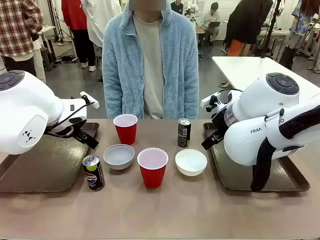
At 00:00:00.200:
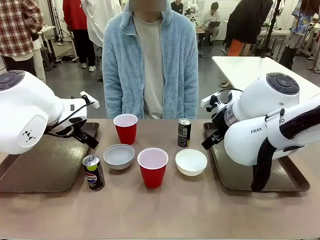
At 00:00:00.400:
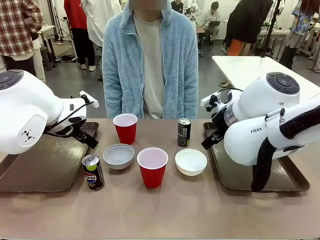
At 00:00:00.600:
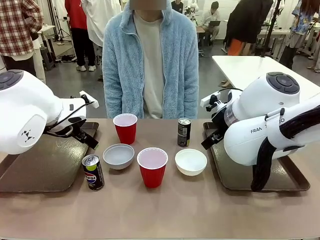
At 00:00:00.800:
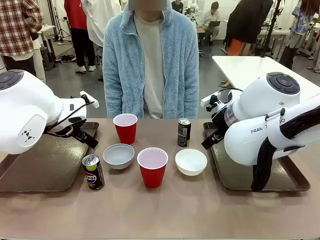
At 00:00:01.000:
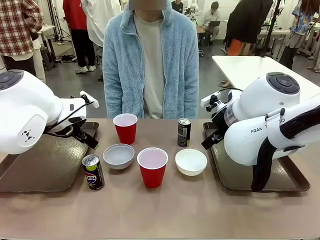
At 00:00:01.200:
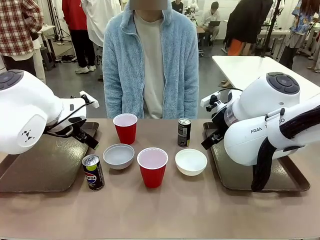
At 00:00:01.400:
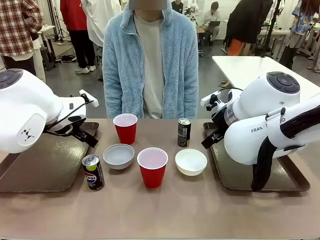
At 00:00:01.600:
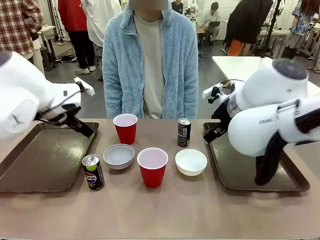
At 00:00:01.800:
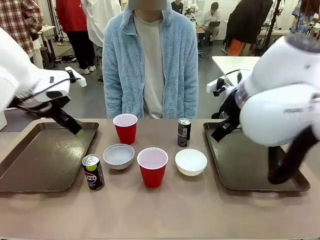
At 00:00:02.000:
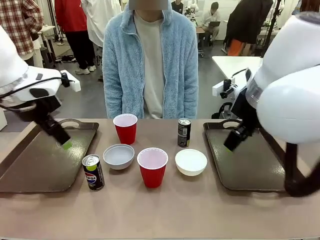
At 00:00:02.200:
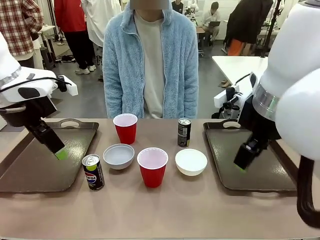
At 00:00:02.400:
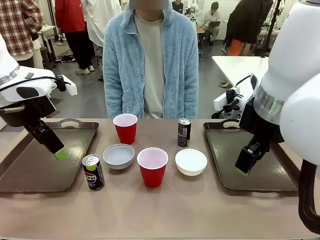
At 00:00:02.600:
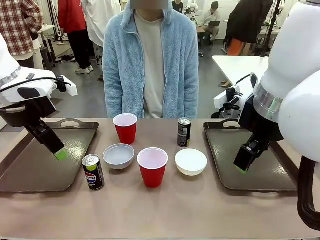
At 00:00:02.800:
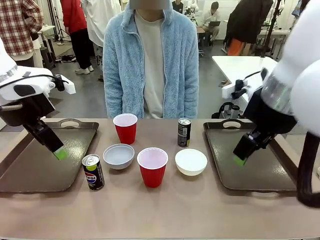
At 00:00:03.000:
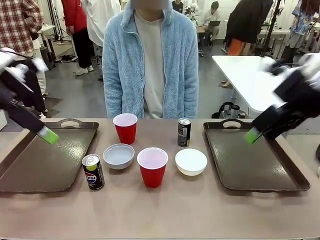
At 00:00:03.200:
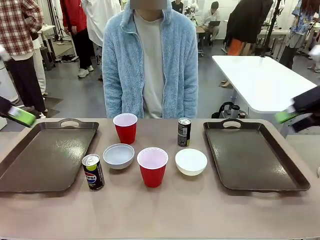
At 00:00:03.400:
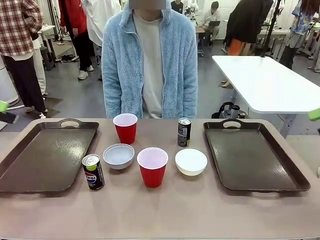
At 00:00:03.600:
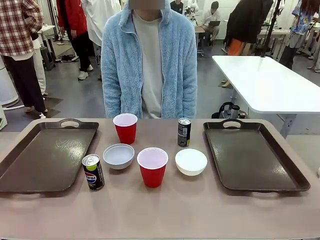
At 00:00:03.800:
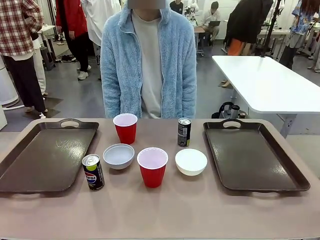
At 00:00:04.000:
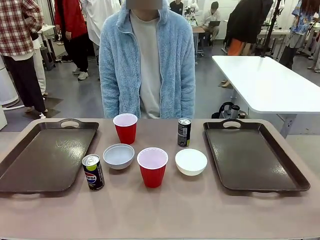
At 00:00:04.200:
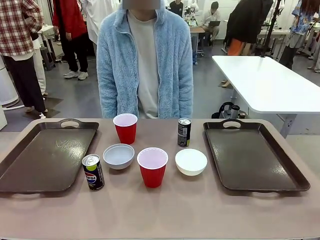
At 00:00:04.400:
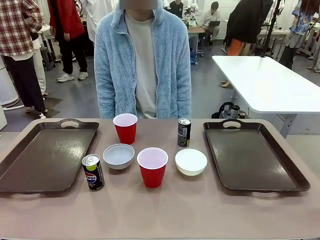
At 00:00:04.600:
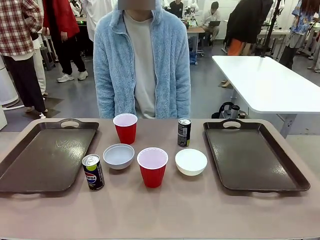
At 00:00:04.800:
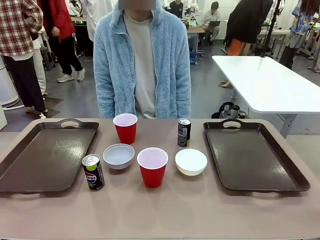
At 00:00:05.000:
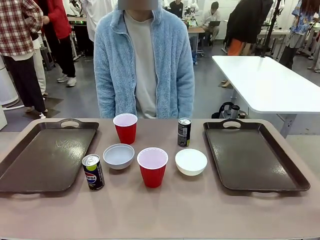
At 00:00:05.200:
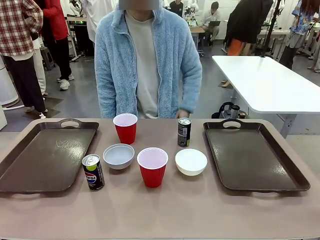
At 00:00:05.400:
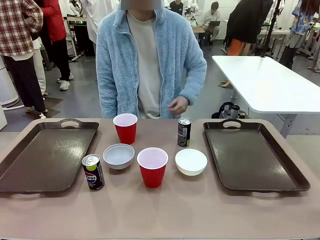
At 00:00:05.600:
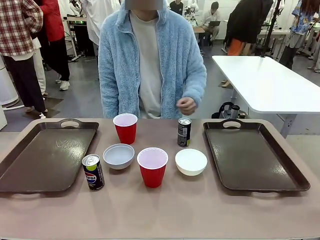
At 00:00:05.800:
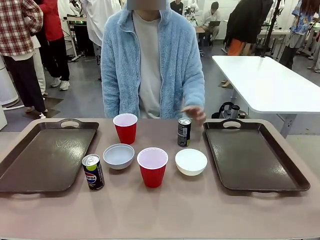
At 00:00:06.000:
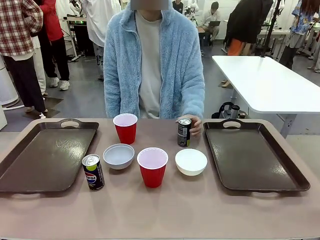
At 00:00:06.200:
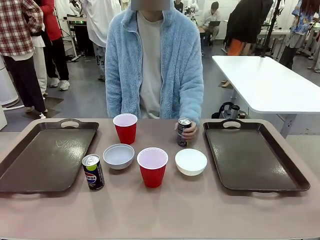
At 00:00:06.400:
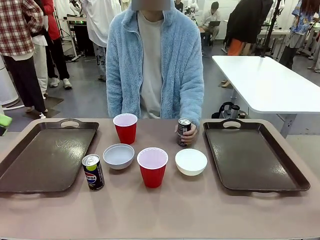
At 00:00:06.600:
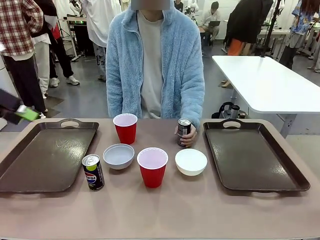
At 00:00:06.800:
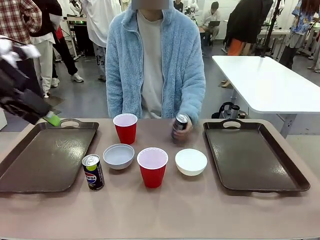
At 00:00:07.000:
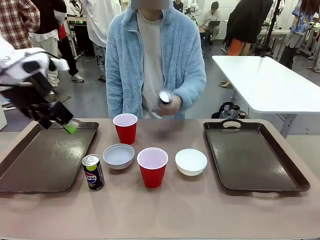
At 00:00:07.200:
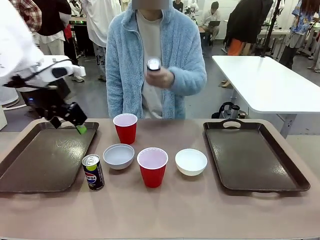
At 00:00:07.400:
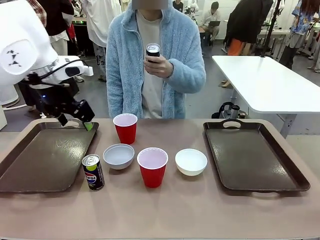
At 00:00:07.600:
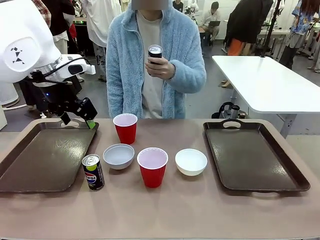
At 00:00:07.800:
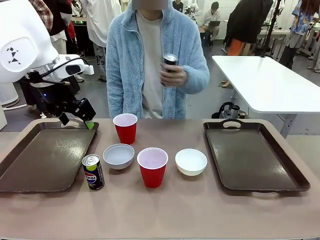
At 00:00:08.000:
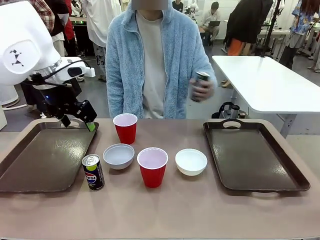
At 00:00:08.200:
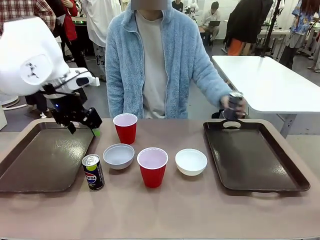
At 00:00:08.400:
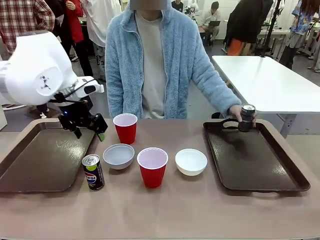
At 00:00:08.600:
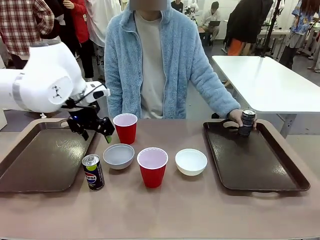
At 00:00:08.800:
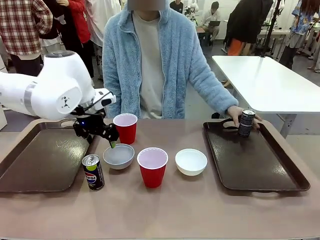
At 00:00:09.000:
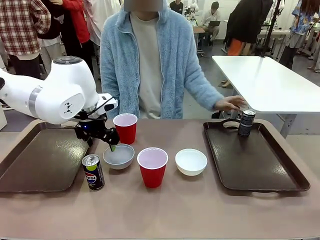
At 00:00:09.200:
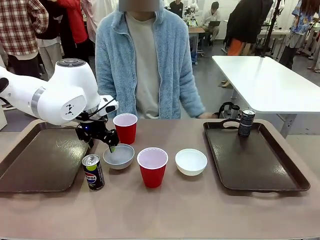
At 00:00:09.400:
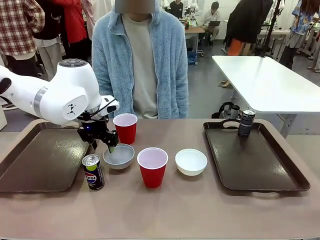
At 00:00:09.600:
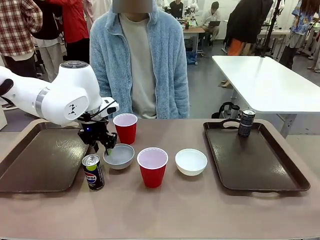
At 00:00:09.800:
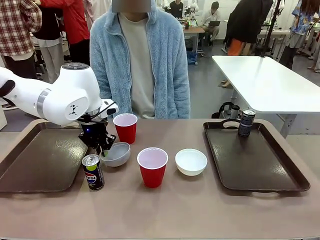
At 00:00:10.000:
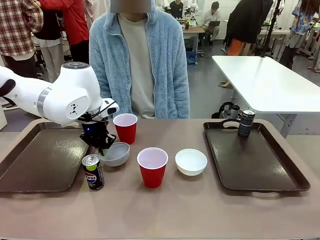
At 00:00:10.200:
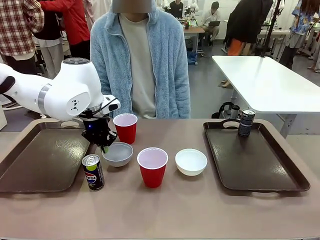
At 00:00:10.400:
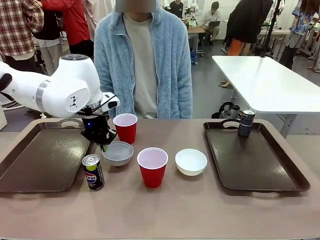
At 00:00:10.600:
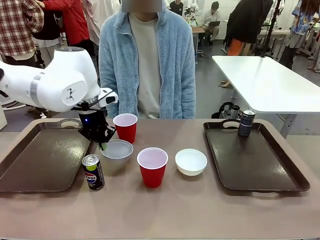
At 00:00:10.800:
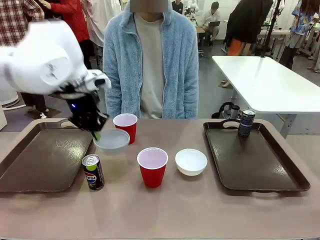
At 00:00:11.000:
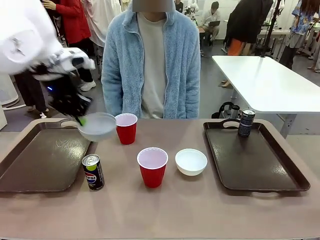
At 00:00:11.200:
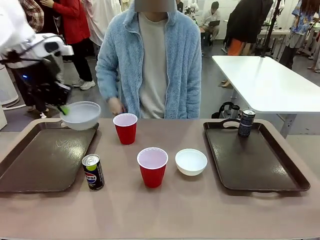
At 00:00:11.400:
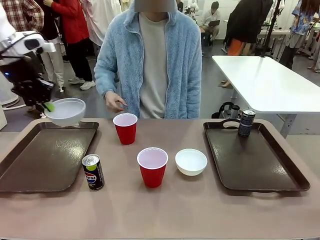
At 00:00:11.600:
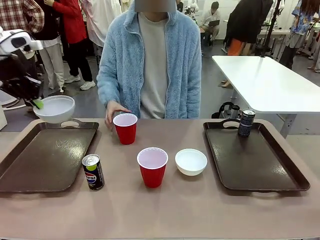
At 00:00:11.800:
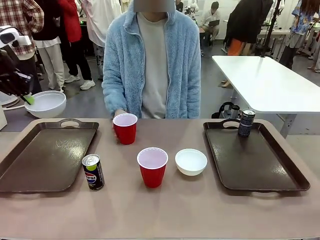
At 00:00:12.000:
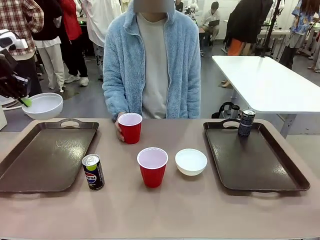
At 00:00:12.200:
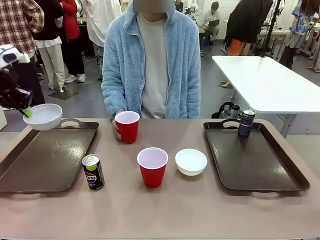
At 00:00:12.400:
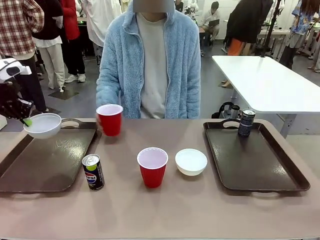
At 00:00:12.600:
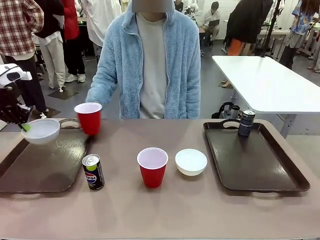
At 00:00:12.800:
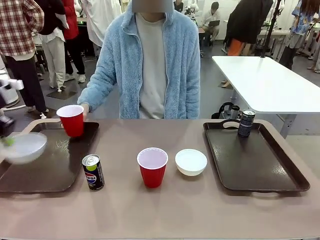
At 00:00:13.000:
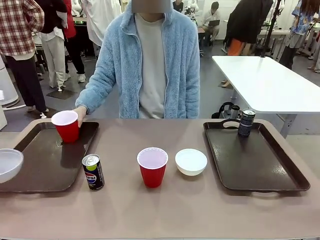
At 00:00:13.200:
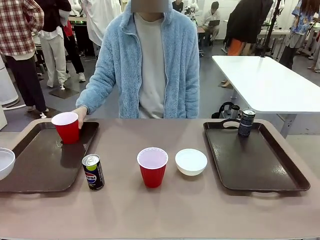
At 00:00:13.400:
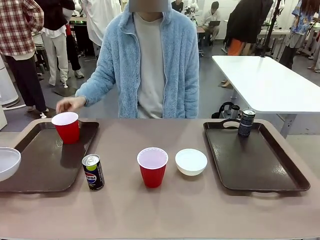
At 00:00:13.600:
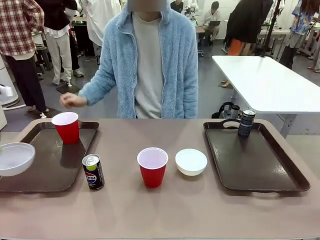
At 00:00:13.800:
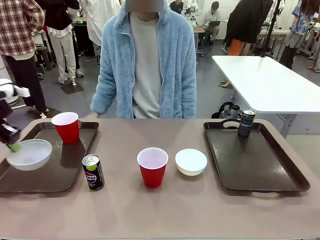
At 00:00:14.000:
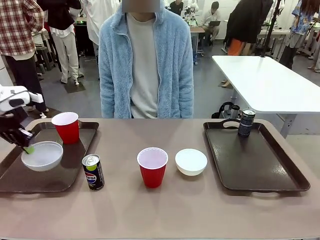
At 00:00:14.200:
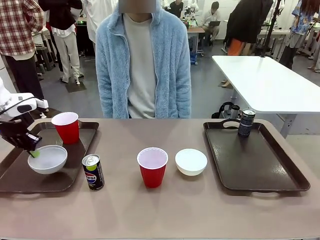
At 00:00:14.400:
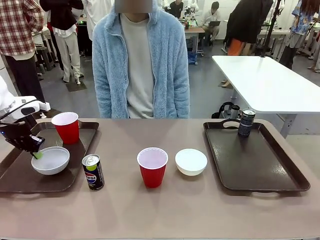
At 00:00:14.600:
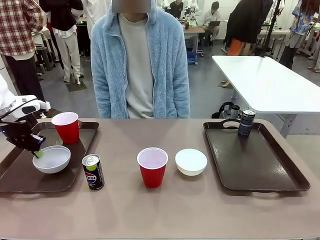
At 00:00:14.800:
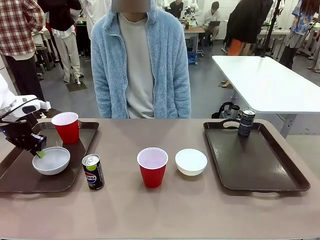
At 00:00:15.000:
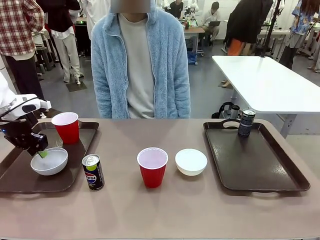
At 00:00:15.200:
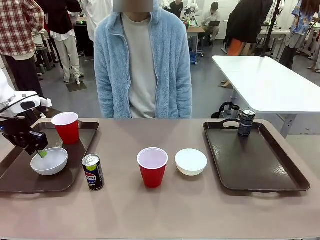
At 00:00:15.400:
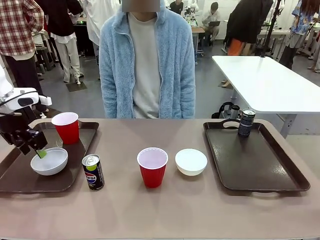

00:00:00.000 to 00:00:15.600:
Task: Prepare tableware on both trays.
Robot: Pick up a Picnic Bowl from the table and place it on a Handle tray.
Person: Pick up a can or cup and place it on the tray.
